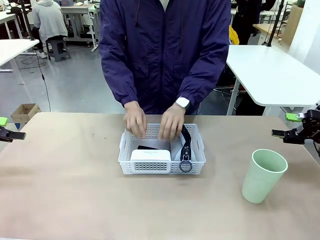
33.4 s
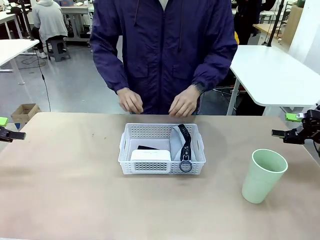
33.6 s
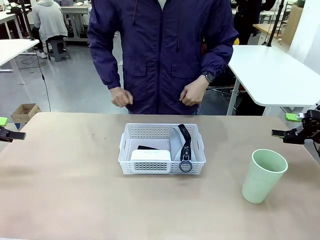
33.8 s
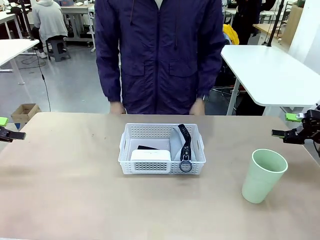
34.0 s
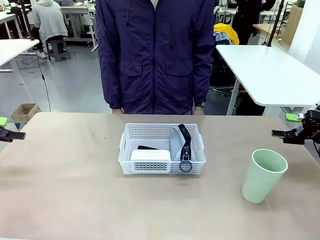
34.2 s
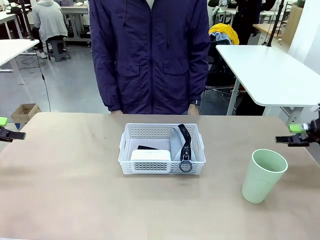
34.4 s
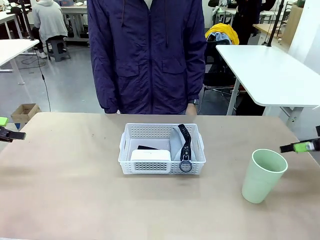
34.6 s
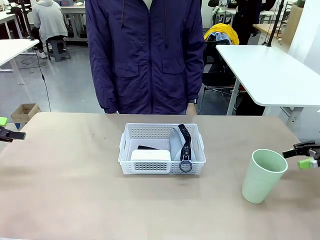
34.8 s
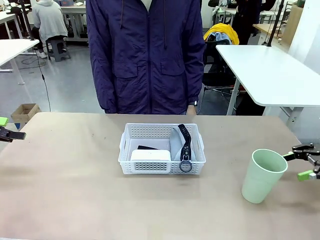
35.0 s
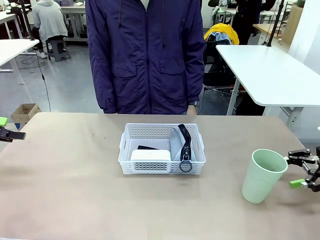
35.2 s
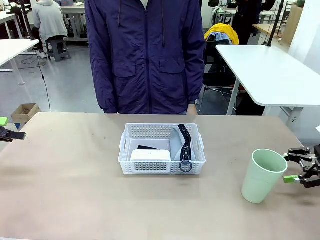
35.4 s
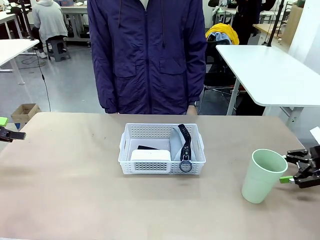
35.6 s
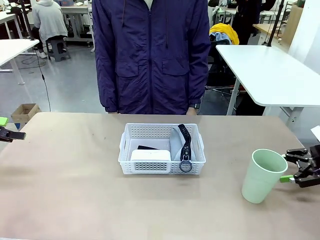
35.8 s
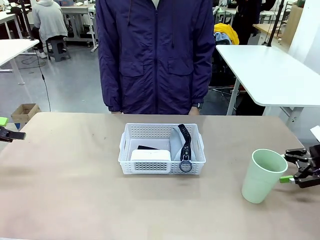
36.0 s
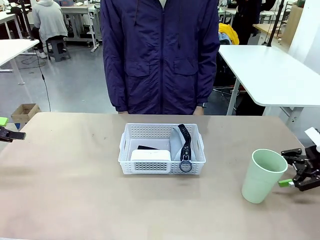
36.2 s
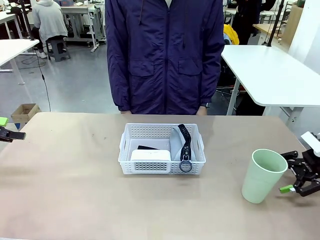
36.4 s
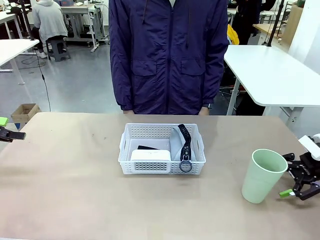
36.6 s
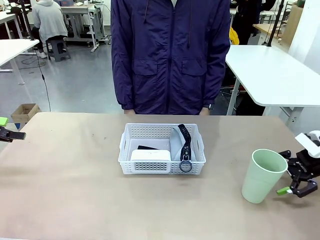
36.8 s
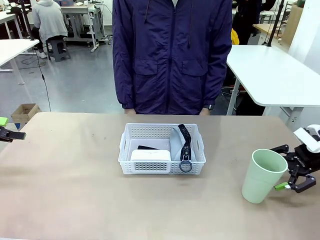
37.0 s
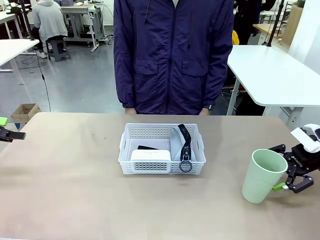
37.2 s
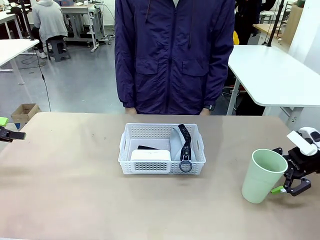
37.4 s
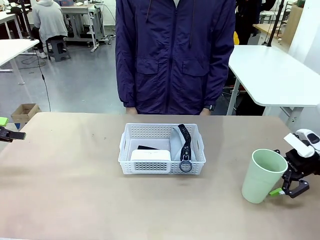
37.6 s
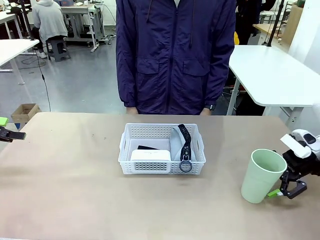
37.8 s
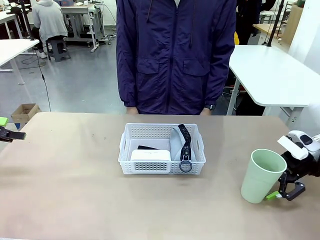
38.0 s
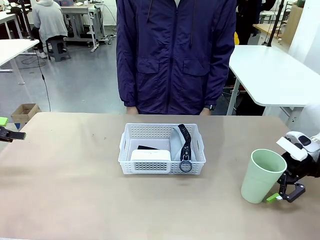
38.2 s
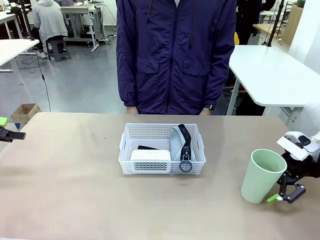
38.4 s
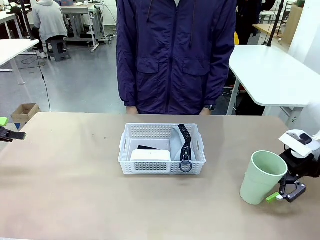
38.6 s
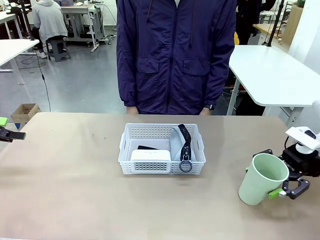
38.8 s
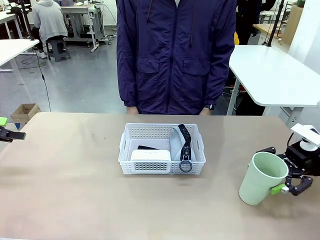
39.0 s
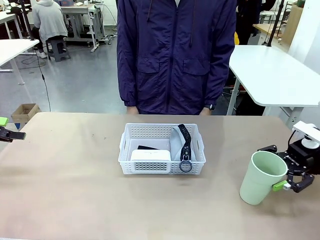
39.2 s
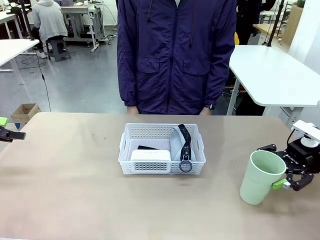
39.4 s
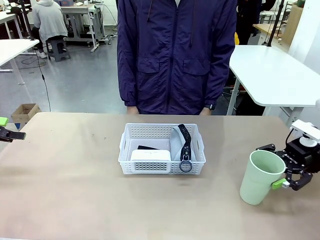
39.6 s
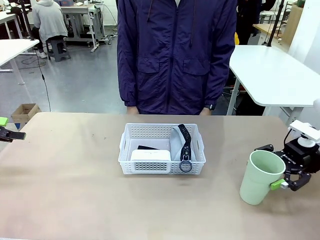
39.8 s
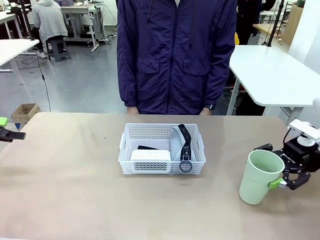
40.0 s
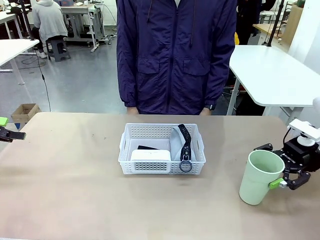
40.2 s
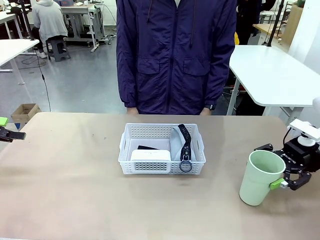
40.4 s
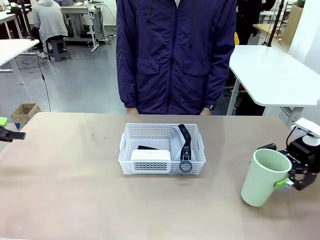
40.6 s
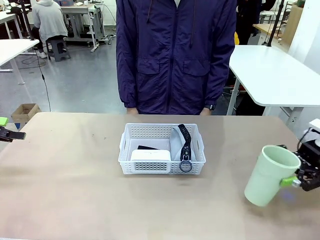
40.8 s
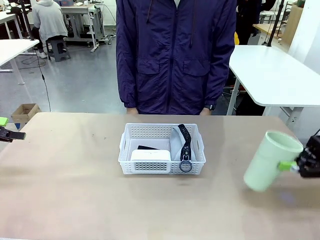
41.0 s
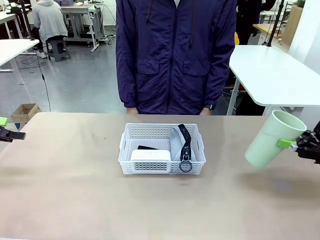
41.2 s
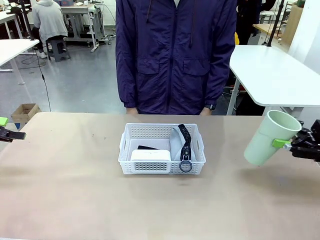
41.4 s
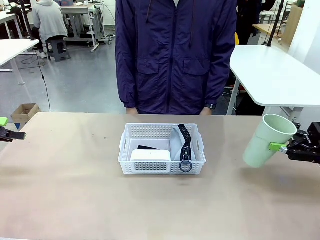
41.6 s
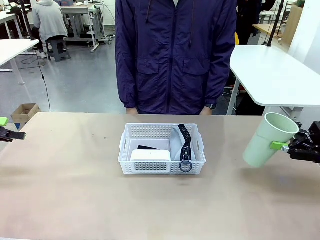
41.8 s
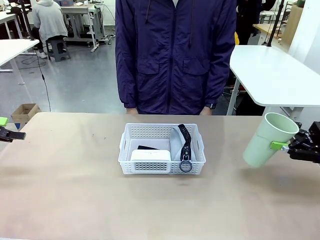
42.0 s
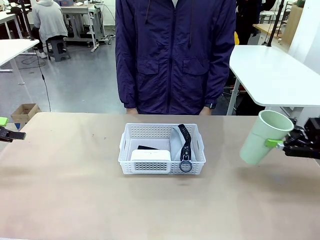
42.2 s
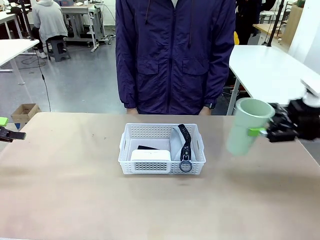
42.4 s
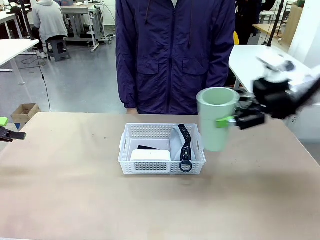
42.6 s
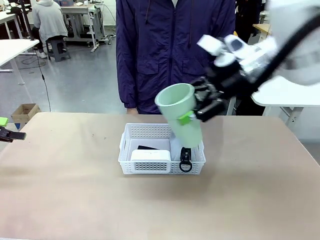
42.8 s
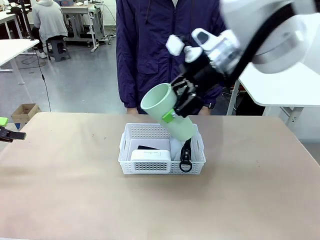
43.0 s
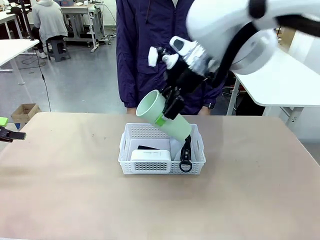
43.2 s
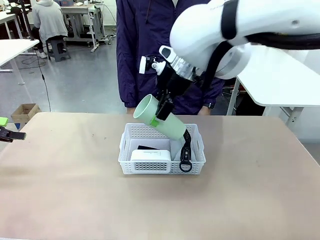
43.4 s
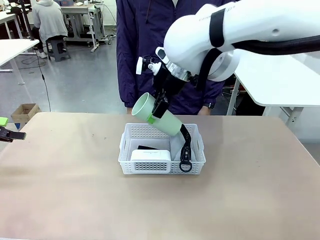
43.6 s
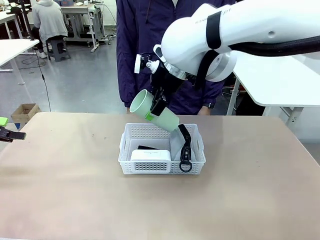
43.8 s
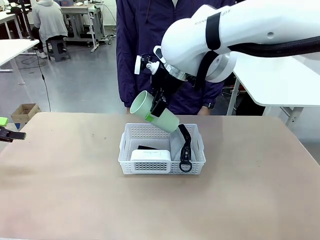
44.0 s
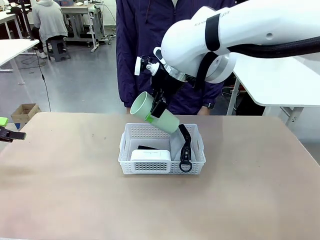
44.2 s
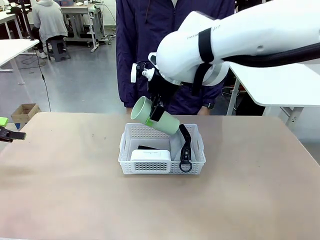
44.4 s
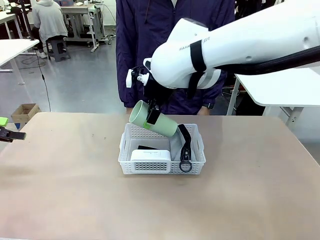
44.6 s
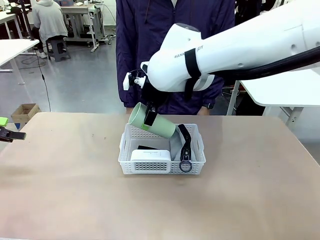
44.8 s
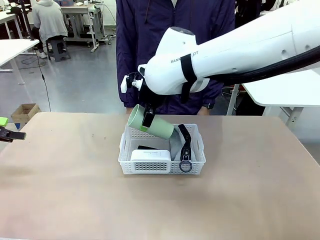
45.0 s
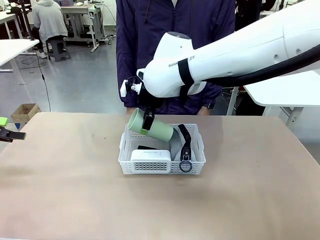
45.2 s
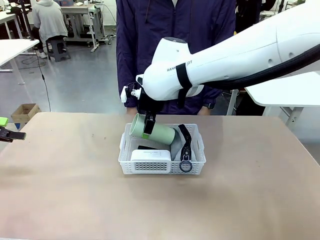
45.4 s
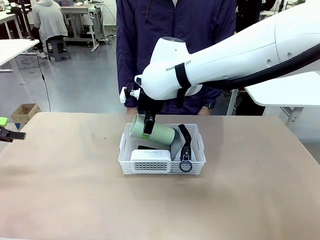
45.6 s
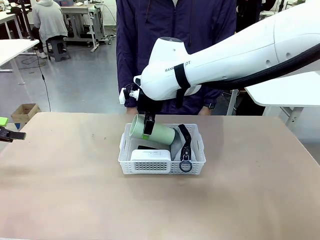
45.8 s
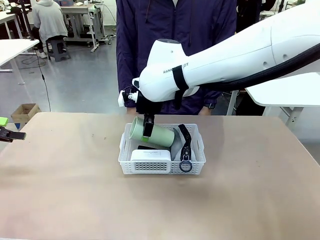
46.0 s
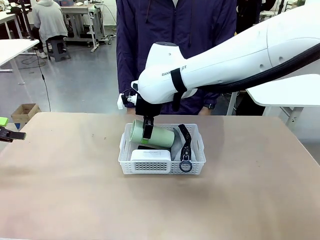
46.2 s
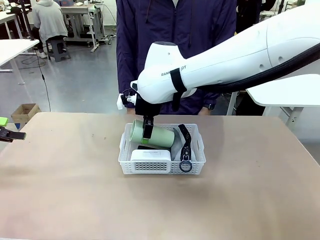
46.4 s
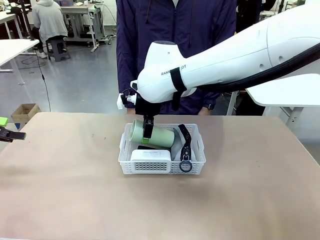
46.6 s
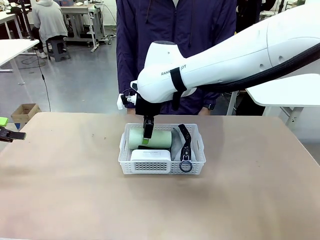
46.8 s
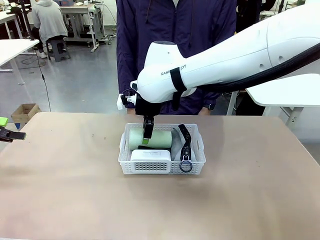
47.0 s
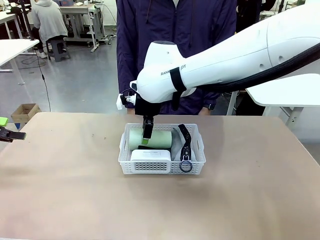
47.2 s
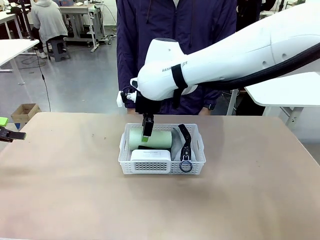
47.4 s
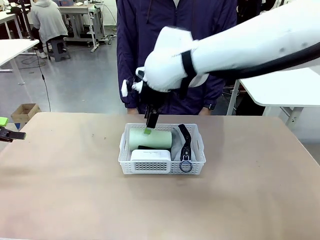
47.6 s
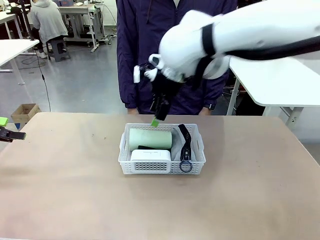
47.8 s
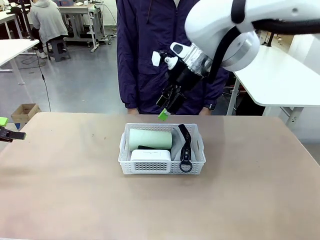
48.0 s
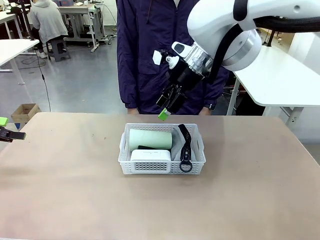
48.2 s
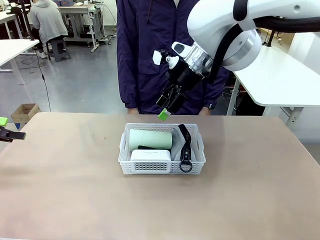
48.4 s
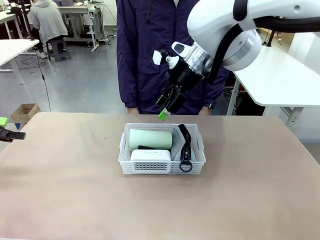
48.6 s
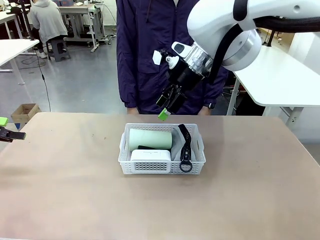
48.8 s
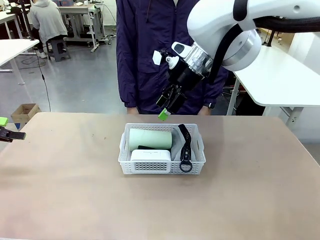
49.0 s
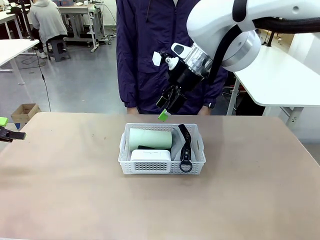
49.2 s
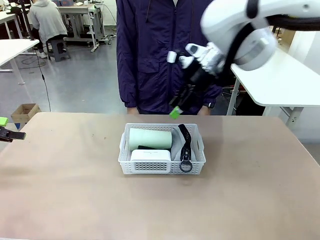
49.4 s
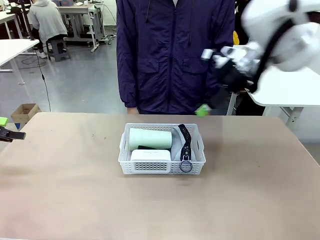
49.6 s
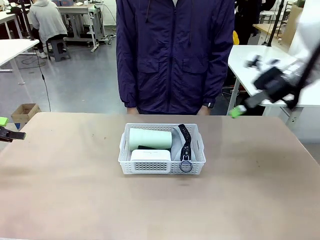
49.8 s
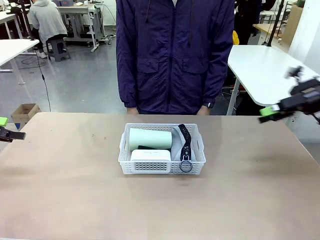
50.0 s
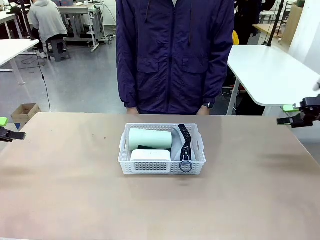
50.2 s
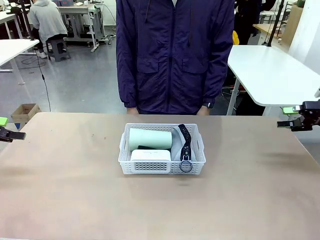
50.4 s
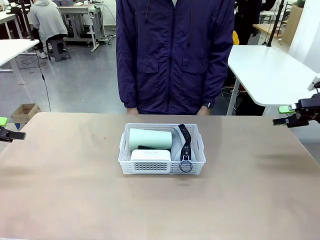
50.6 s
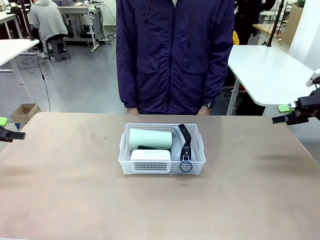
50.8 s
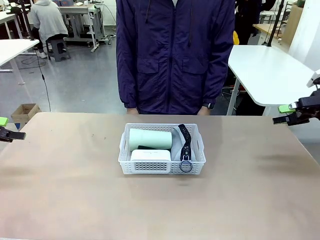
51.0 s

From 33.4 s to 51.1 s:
Task: Efficiently arrange items inside the basket to fit them all.
Robot: Pick up the Reusable plastic cup and place it inside the Organizing basket.
Person: Repositions the stapler.
